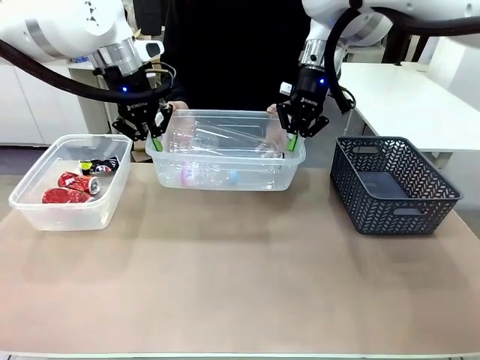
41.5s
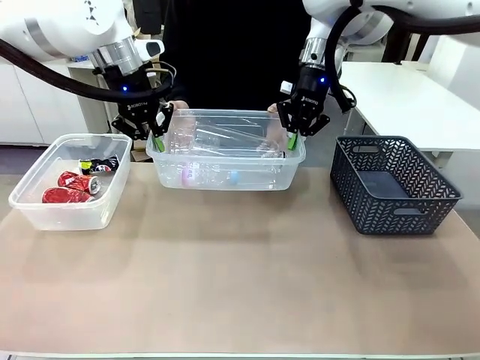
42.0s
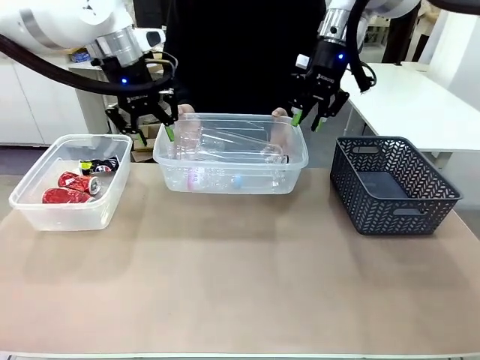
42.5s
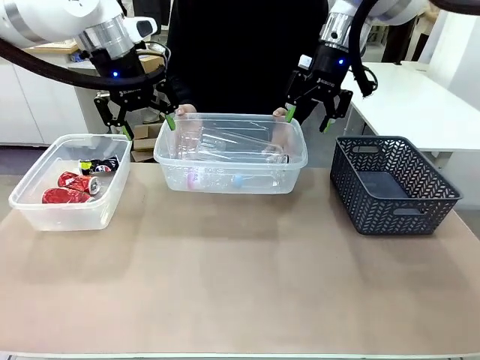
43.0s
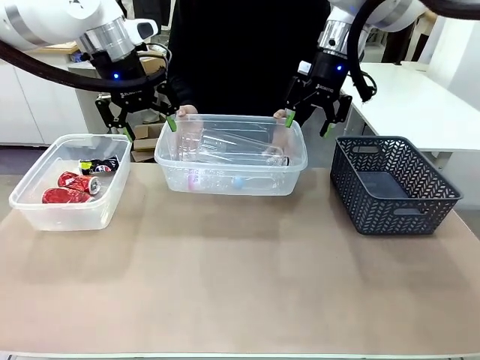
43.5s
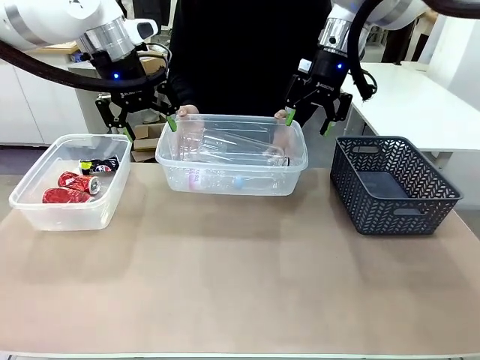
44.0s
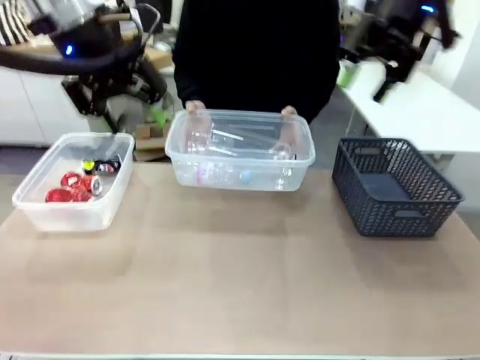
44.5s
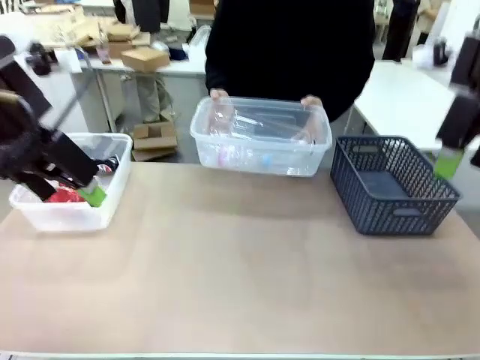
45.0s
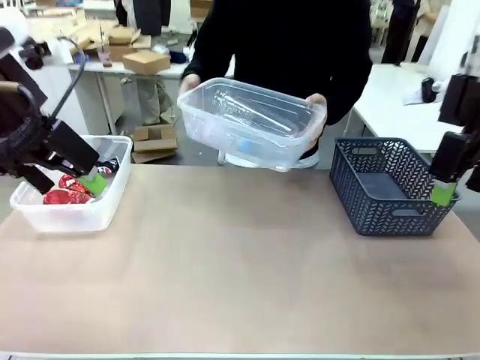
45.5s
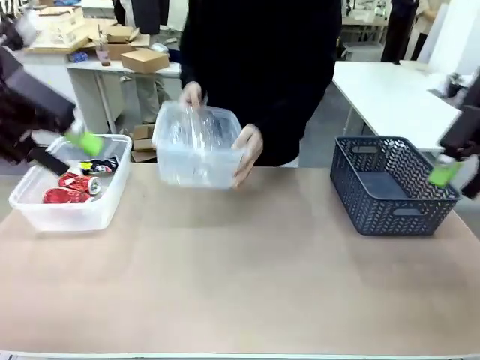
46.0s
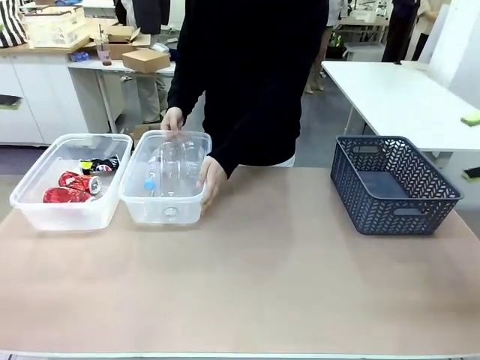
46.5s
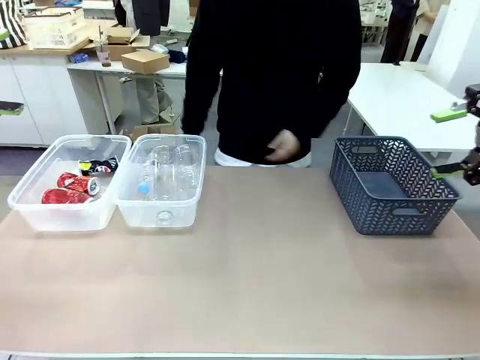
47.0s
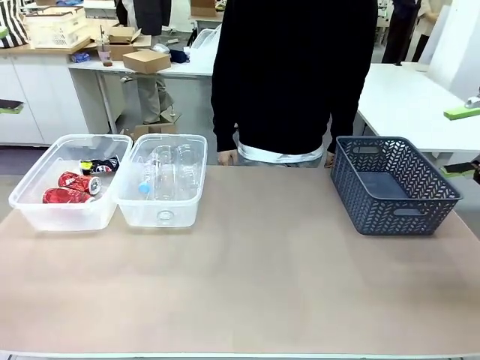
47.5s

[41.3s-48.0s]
Robot: Release the Organizing box you were holding.
Person: Pick up the organizing box extended by the robot. Place the organizing box to the left of the sorting box containing the can waste.

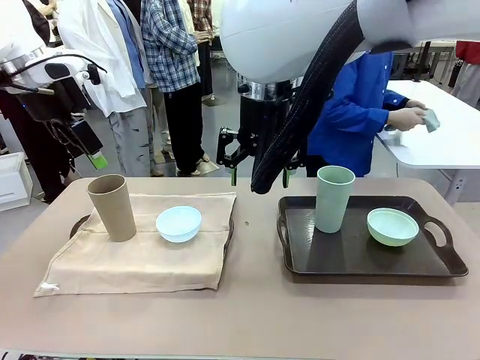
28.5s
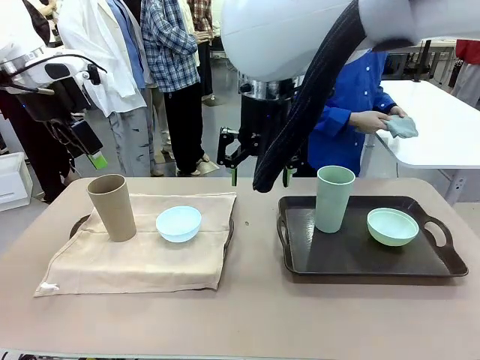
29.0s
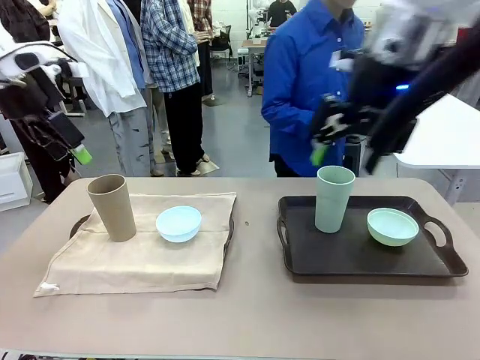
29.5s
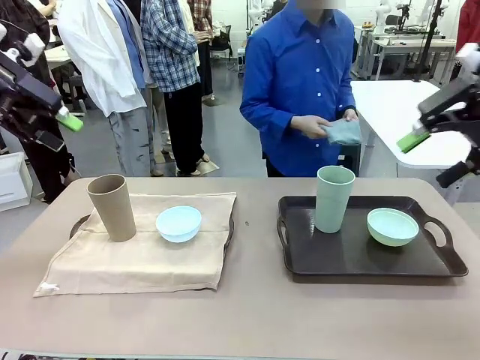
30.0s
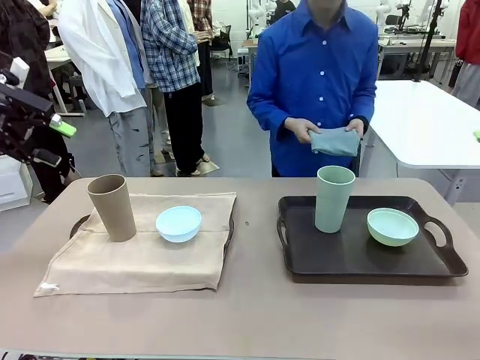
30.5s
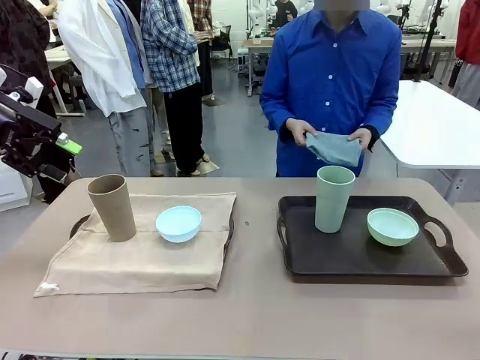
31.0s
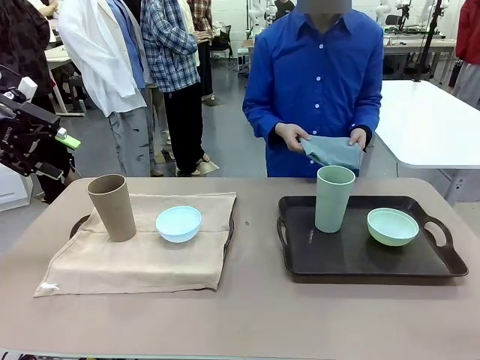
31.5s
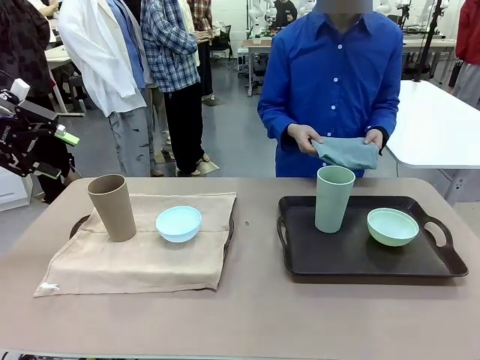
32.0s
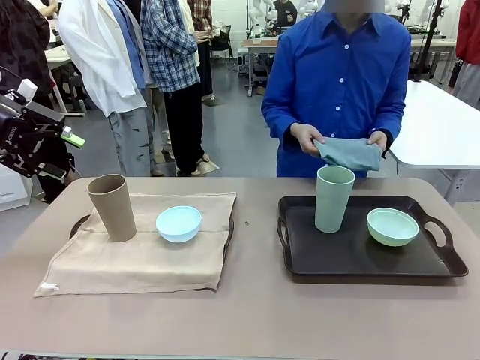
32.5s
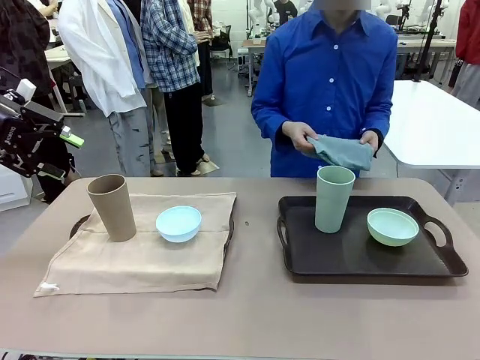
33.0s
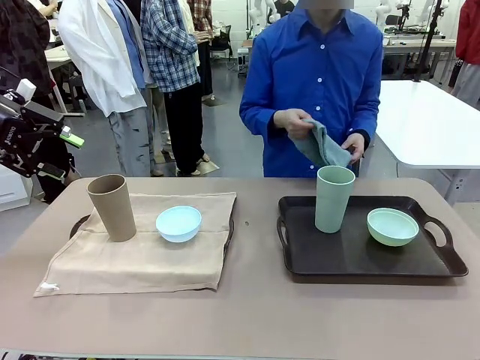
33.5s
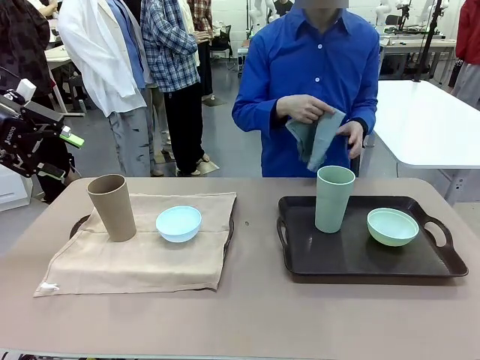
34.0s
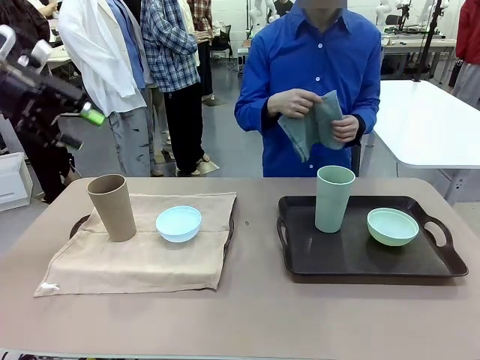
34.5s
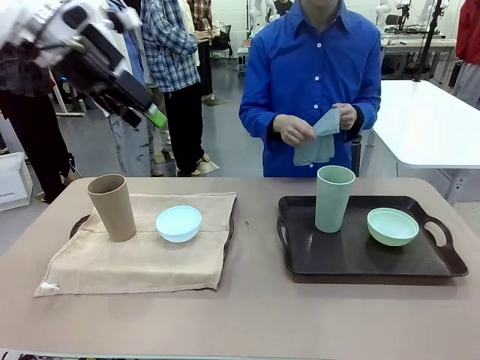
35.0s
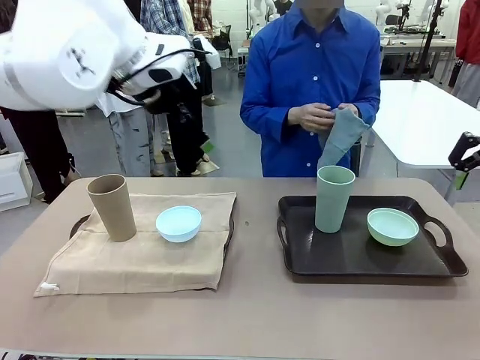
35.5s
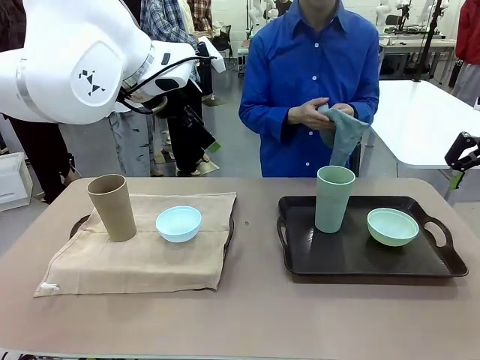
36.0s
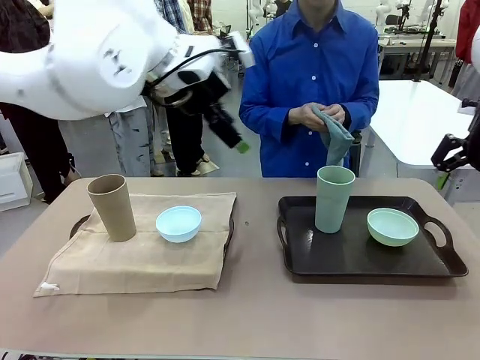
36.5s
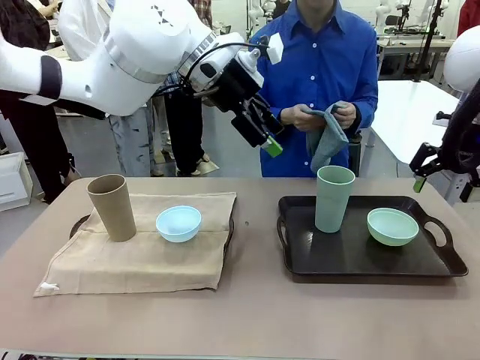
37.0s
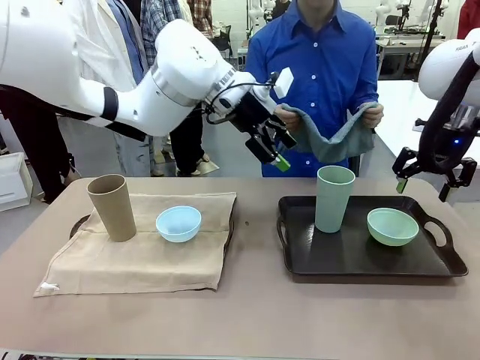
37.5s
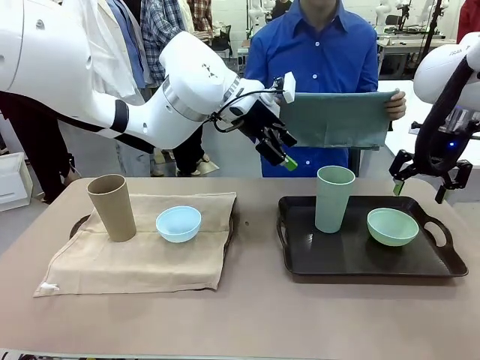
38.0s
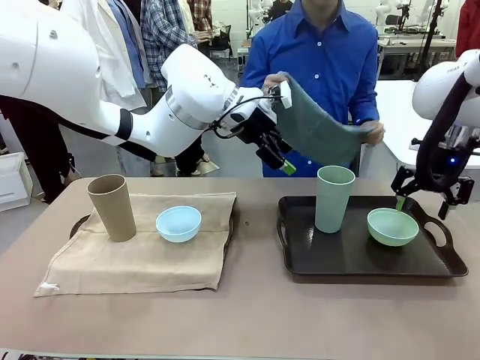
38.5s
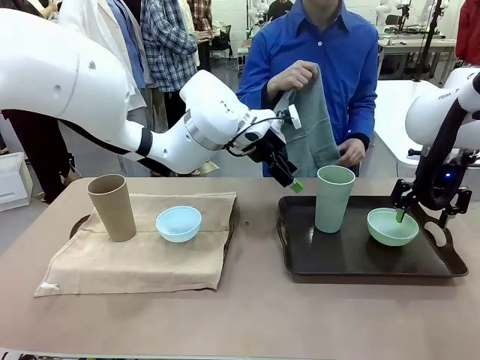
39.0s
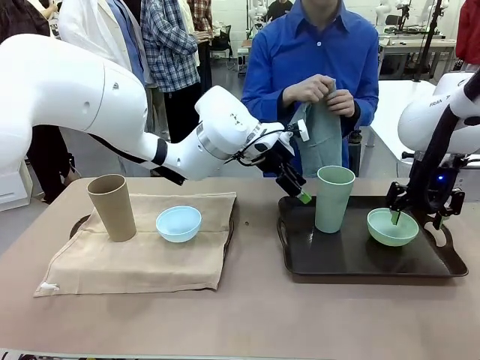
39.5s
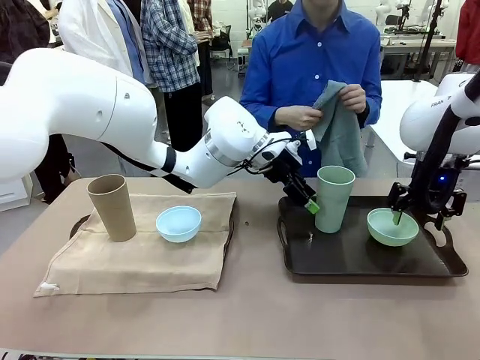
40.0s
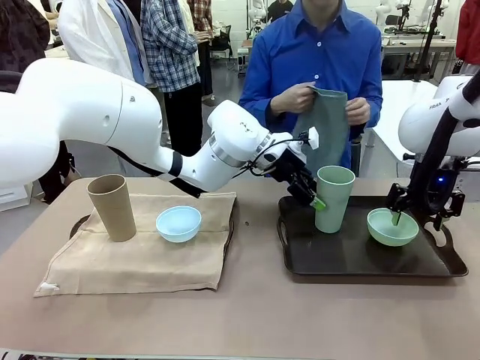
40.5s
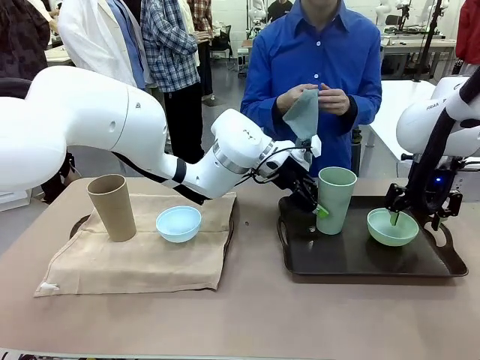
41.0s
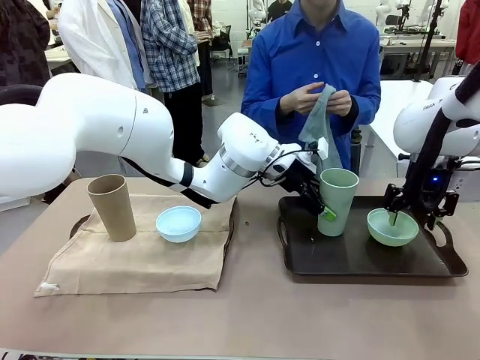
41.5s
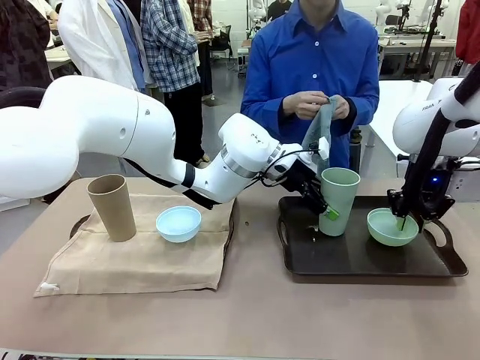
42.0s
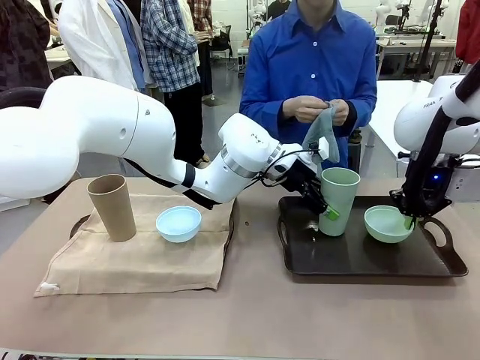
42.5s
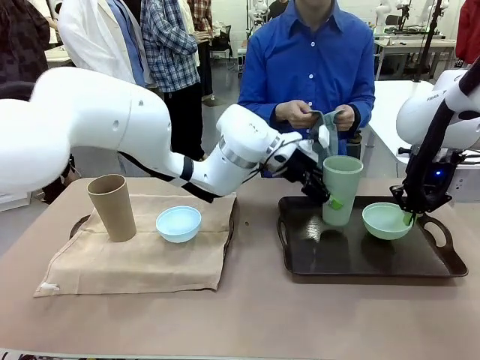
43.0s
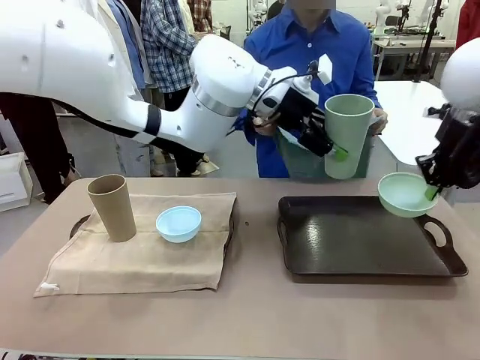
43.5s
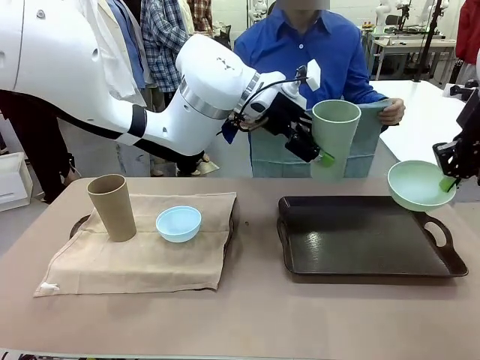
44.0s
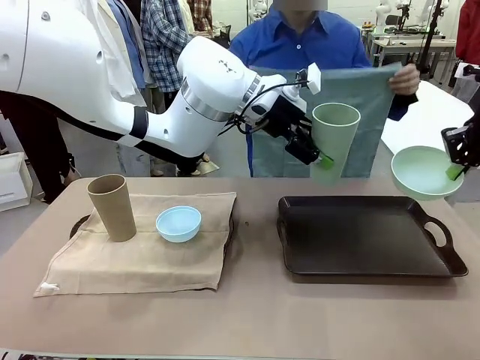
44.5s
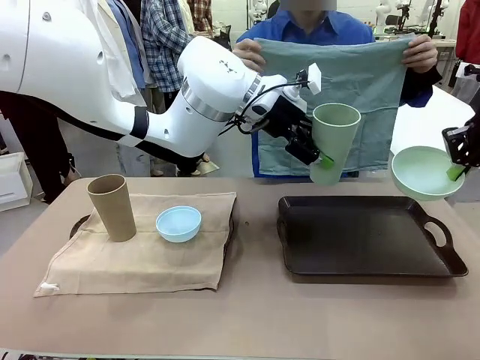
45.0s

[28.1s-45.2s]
Robot: Pick up the Picnic Bowl and Reusable plastic cup from the Handle tray in front of the human's position and hold them in the air.

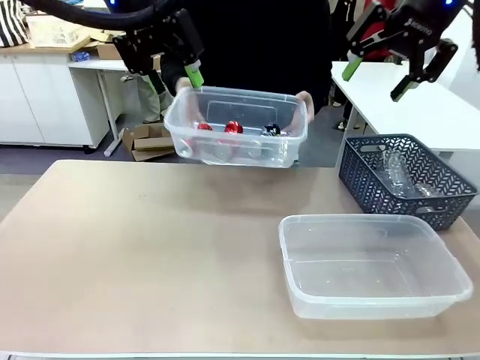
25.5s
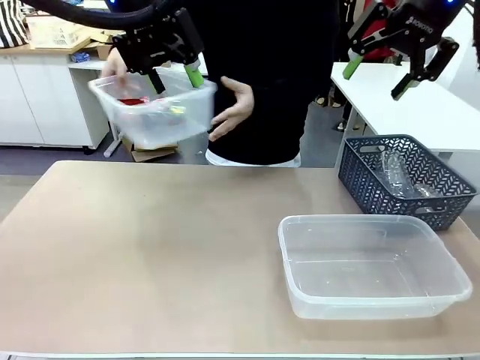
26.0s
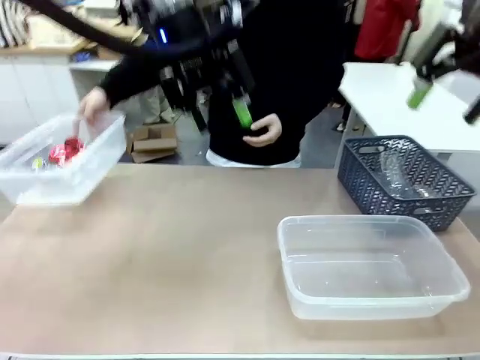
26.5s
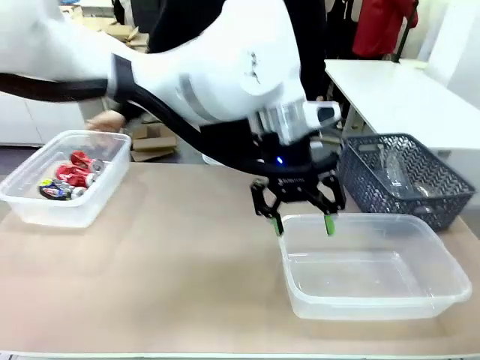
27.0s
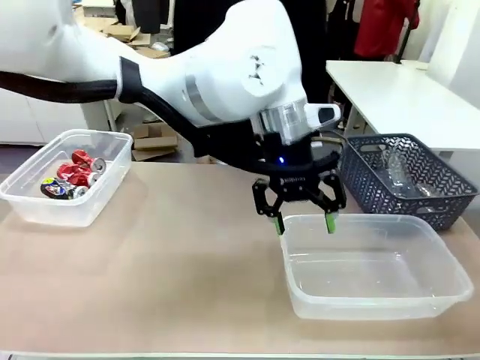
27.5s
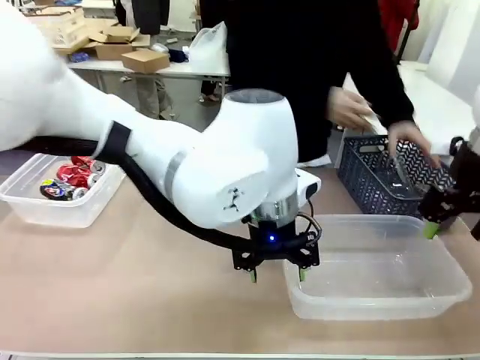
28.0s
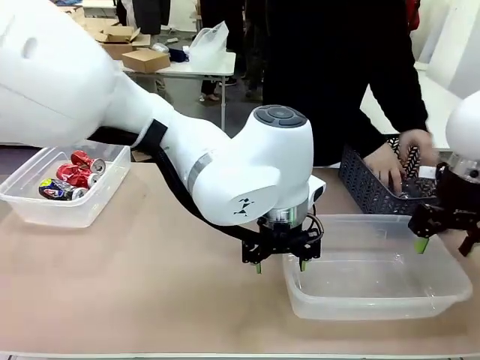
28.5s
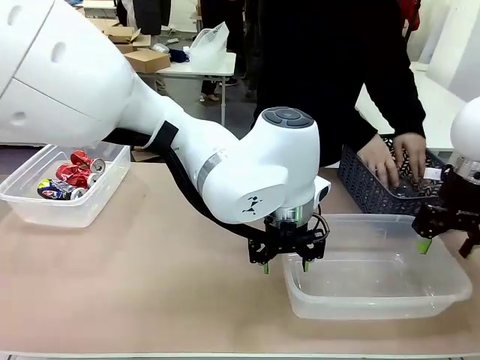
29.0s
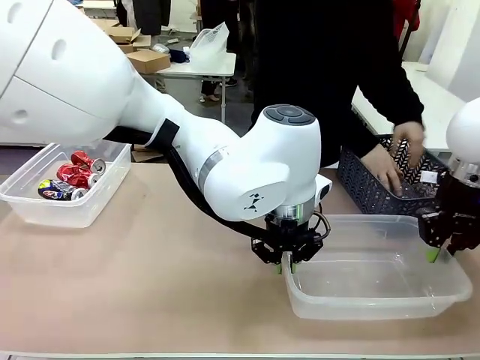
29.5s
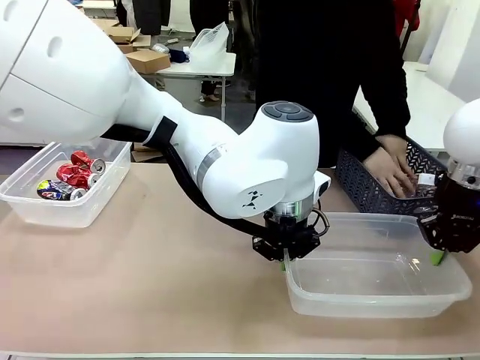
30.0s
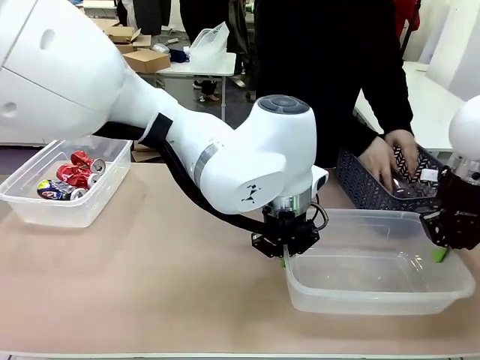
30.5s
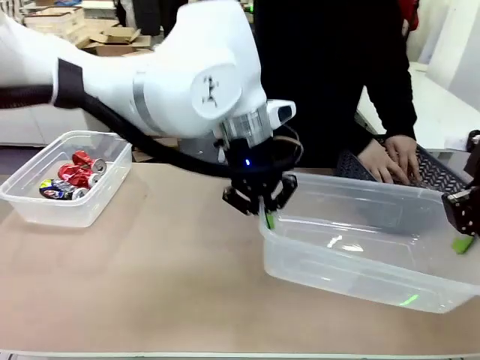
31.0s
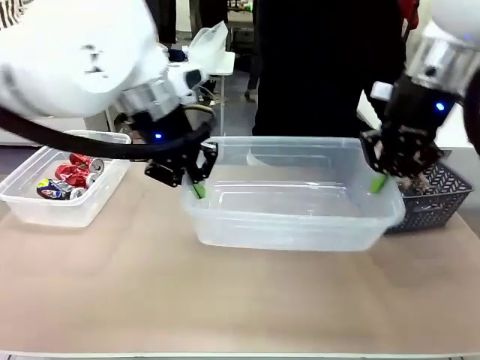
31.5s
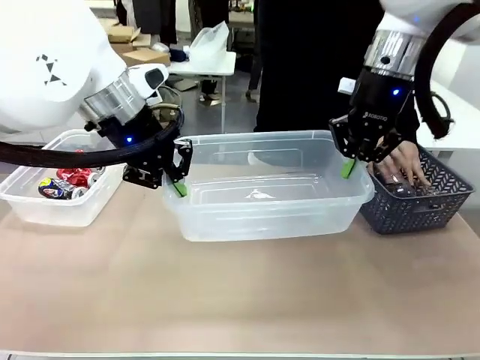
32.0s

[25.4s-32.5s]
Robot: Pick up the Organizing box on the right side of the table and lift it.
Person: Place it at the edge of the bottom right area of the robot table.
